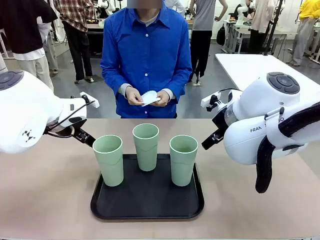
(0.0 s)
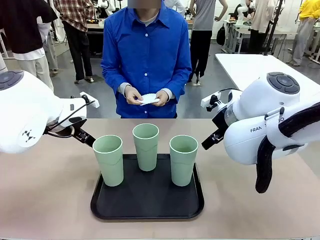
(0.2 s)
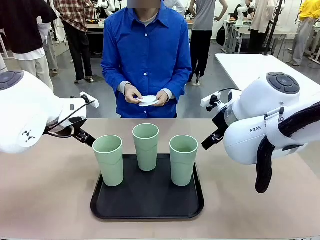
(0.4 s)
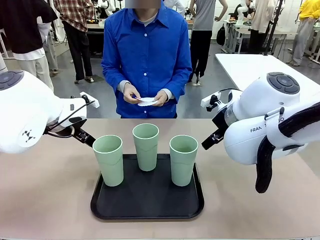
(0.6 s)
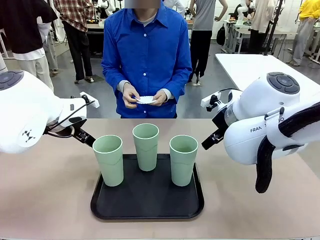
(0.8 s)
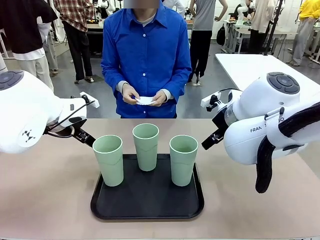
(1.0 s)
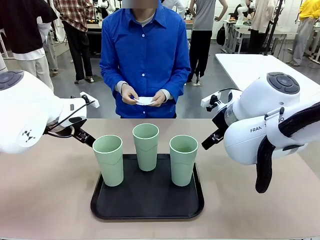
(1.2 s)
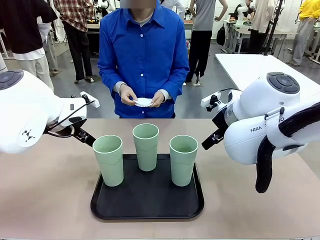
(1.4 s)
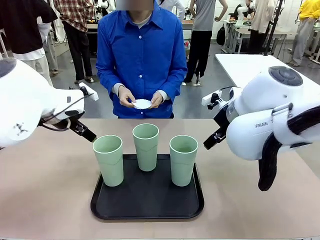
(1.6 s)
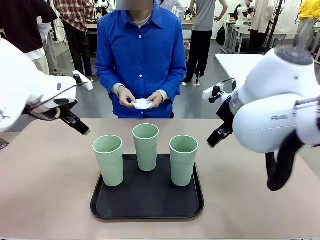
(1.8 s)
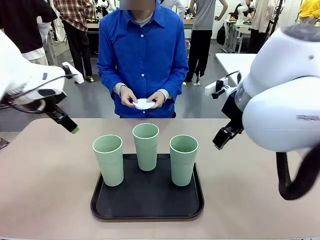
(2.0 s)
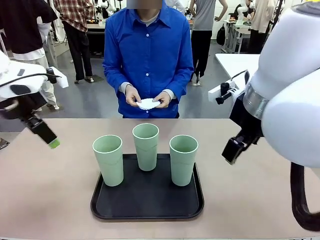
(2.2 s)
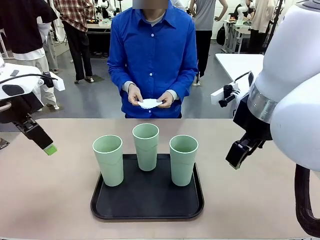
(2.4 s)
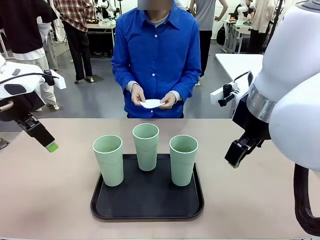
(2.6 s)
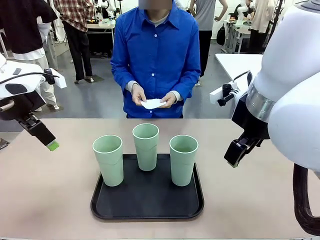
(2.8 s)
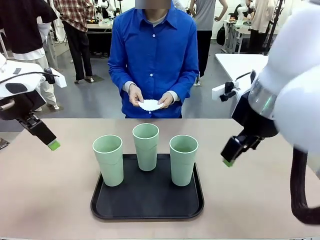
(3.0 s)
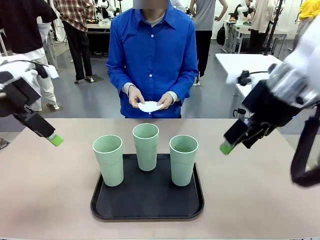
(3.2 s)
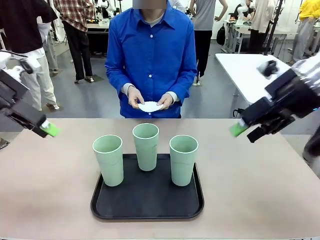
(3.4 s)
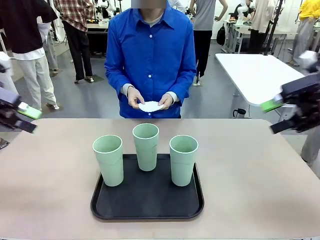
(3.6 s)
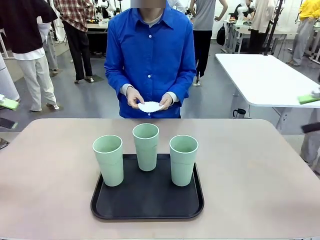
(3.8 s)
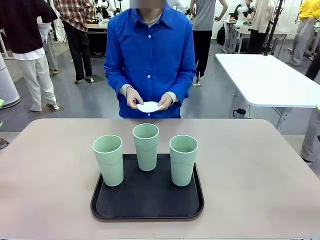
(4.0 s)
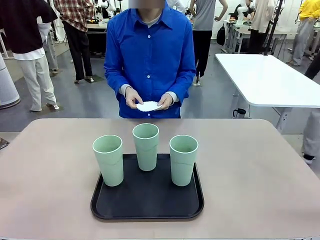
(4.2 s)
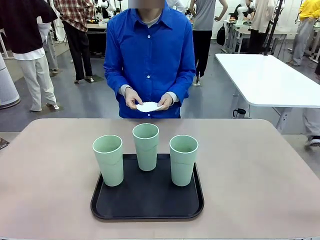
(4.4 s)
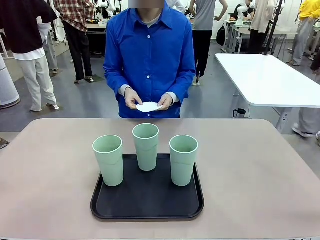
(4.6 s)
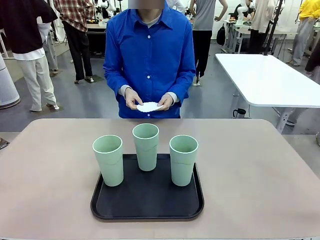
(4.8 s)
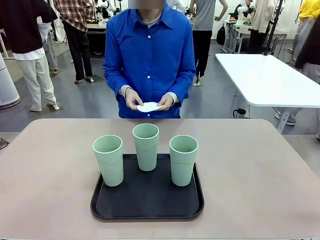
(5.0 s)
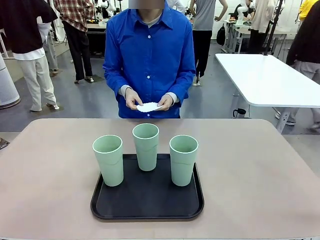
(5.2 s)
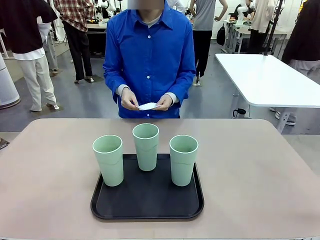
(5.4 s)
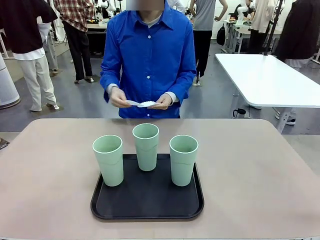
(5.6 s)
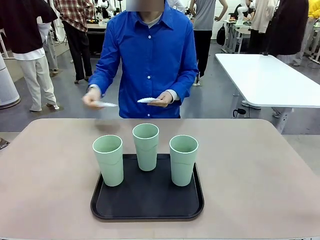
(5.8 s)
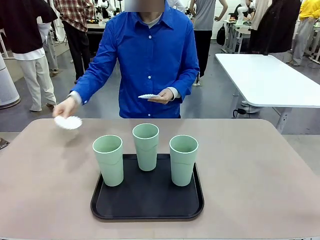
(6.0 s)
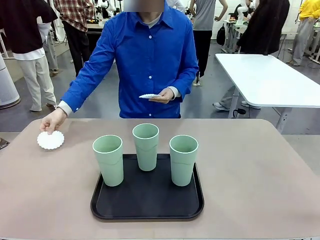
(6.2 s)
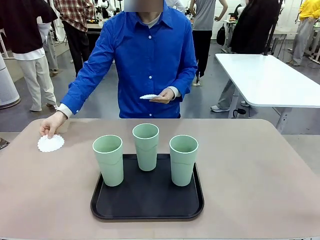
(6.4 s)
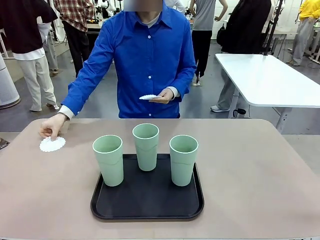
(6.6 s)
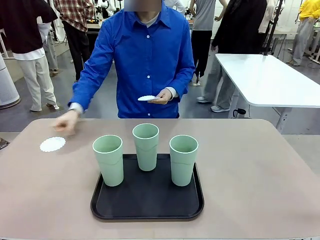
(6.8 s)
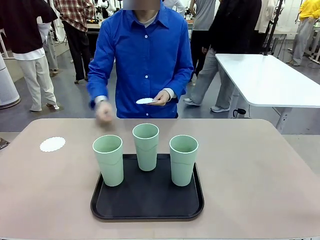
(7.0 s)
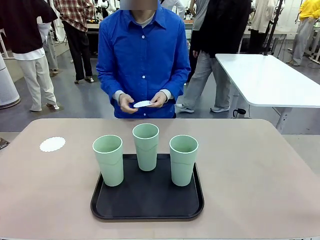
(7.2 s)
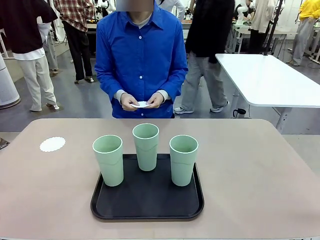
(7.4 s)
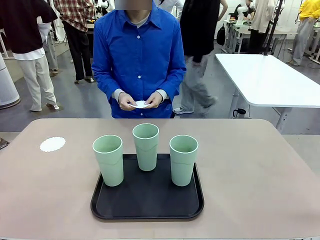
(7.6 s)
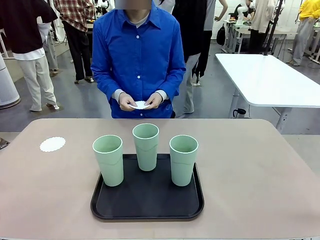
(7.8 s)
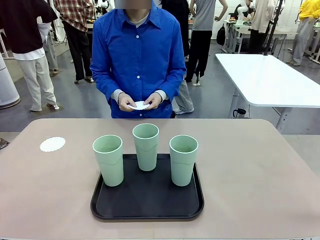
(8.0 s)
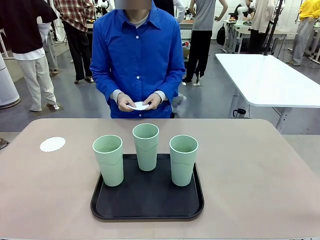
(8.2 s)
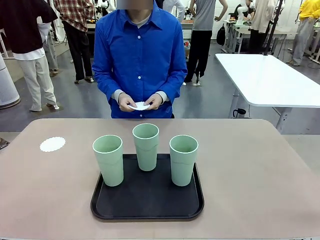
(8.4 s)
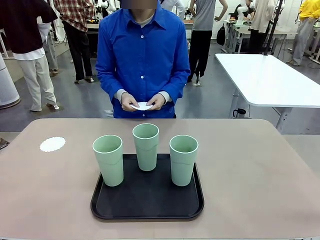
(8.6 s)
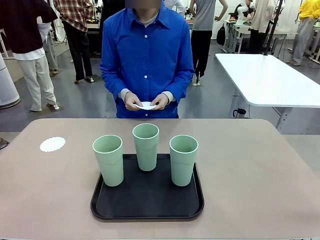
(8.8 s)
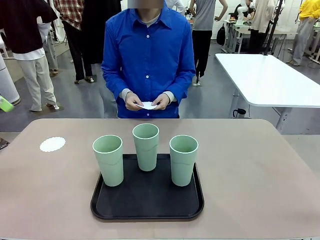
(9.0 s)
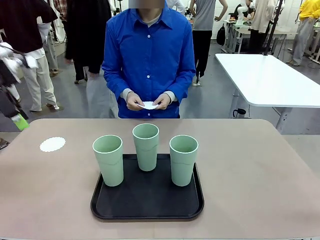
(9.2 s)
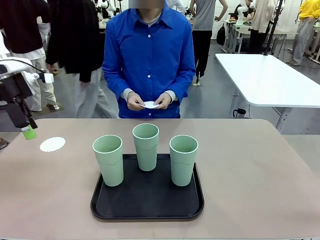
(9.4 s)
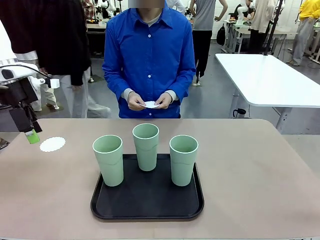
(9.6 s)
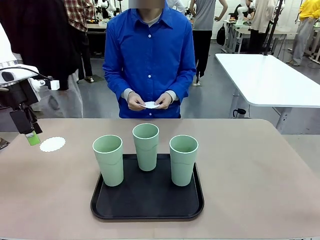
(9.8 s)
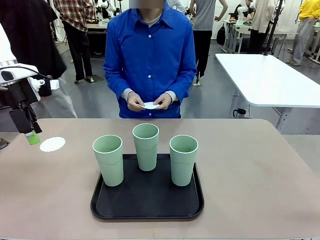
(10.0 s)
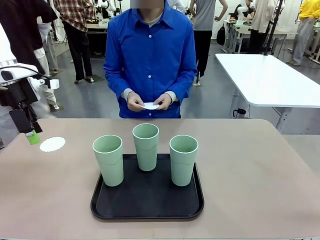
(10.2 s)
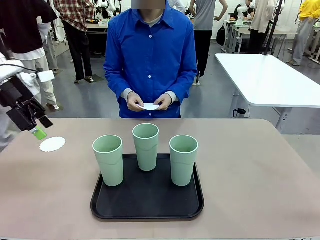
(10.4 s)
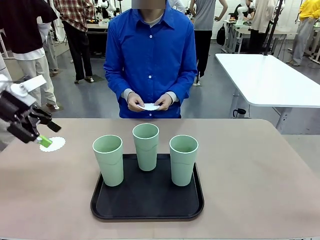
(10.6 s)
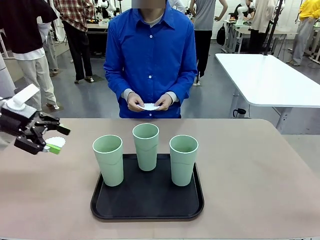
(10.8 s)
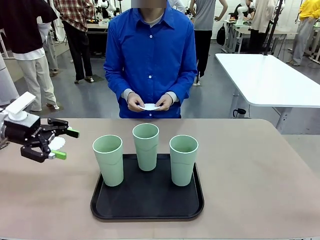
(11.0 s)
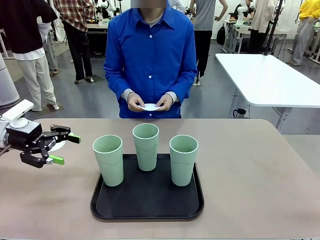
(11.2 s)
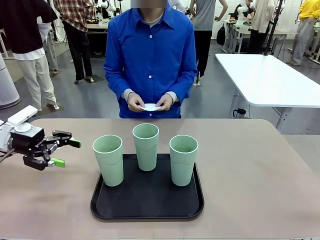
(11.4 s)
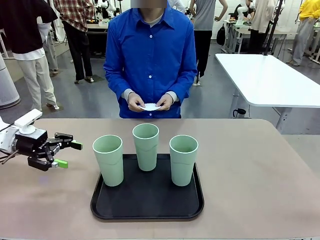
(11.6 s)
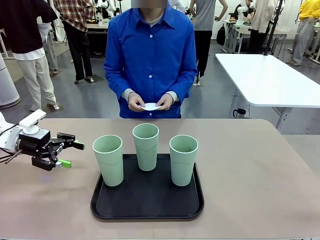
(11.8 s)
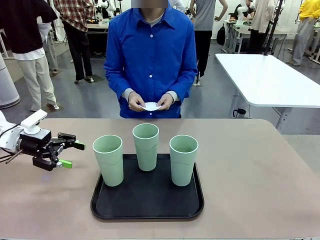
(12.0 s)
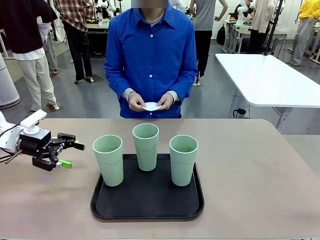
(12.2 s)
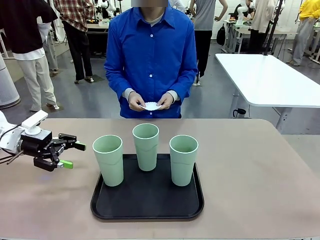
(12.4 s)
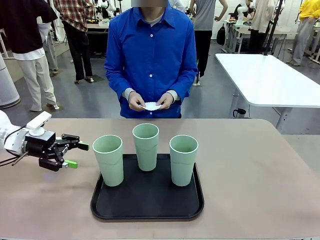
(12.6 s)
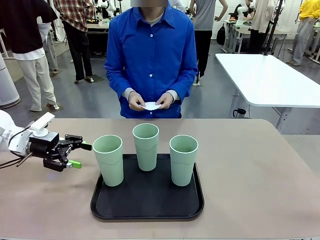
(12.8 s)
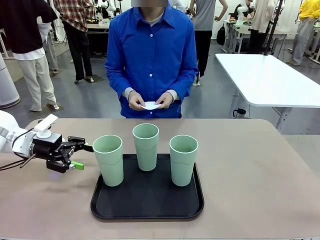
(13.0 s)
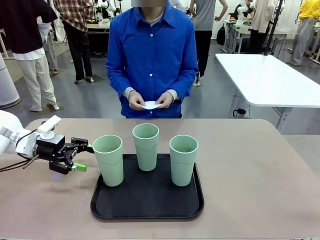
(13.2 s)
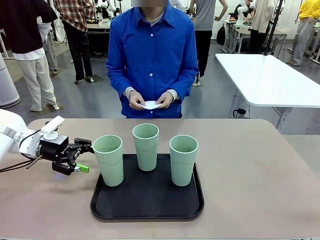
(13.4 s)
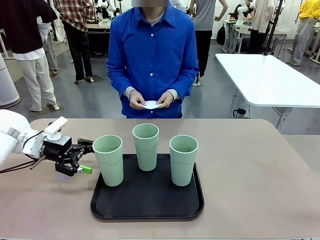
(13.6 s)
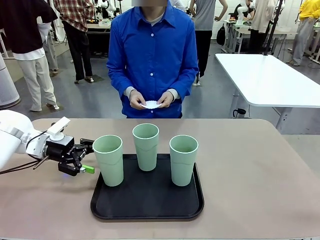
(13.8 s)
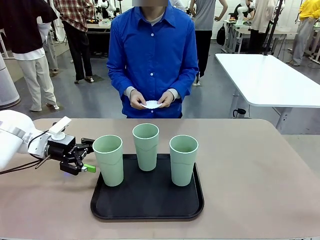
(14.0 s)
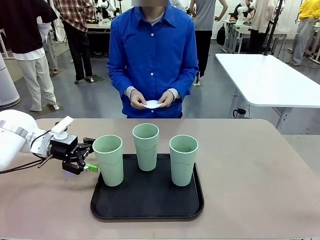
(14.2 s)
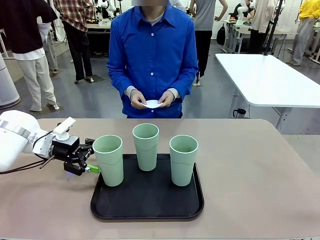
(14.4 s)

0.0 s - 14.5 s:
Task: Place coasters on the table and set cups on them.
Robot: Pick up one Reusable plastic cup and place it on a coaster set by the human.
Person: Place one coaster in any one of the three lower areas of the robot table (left, center, or right).
